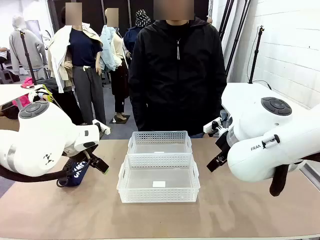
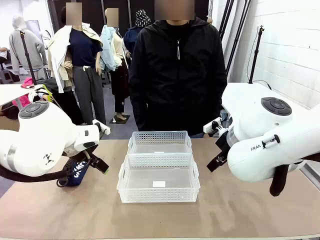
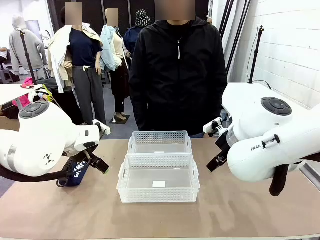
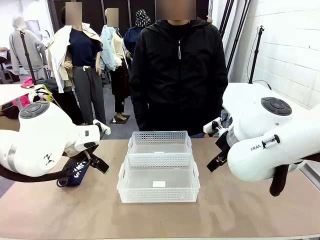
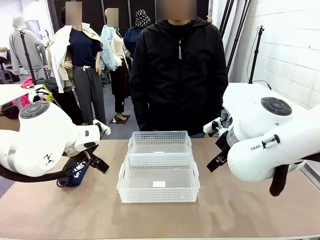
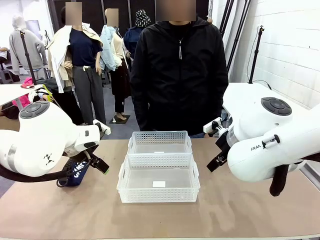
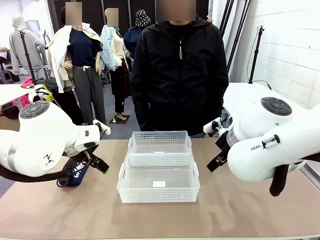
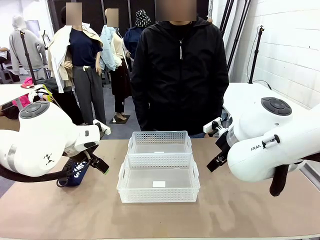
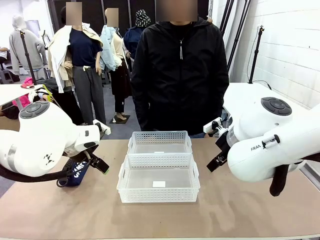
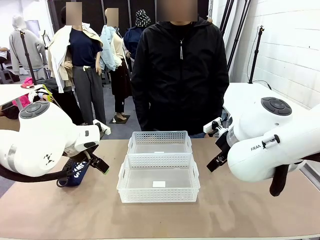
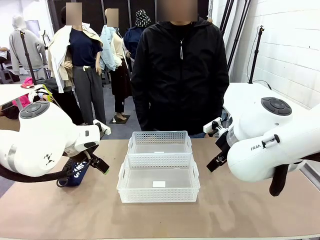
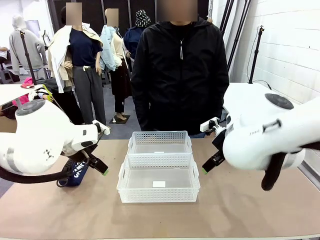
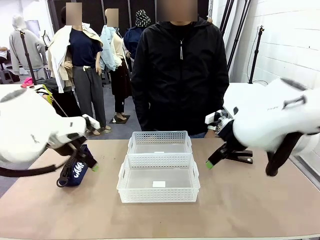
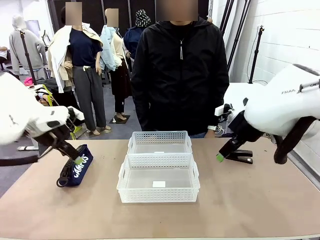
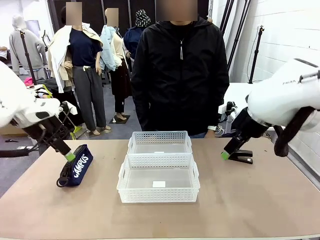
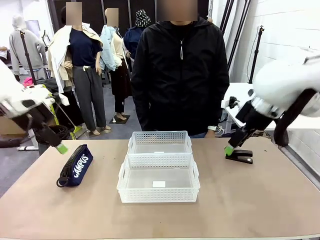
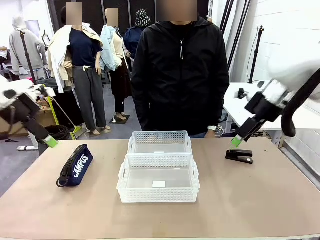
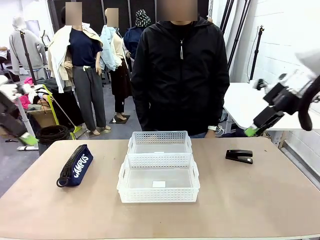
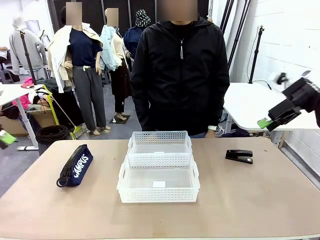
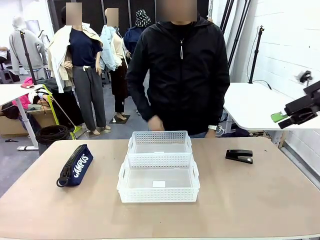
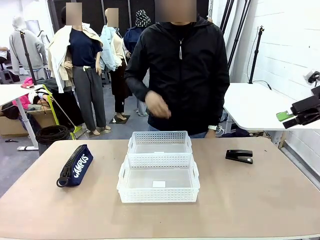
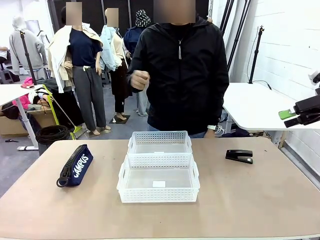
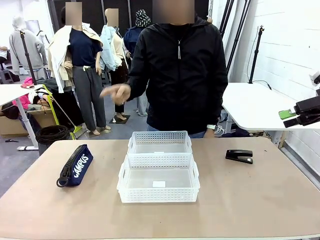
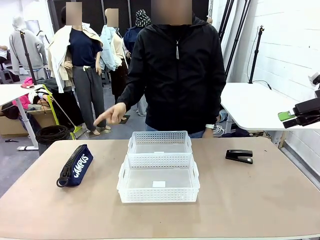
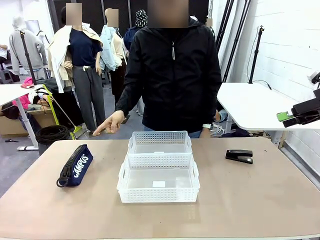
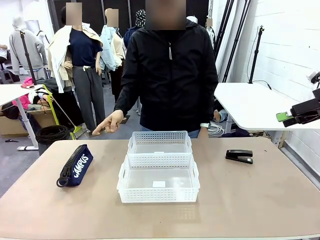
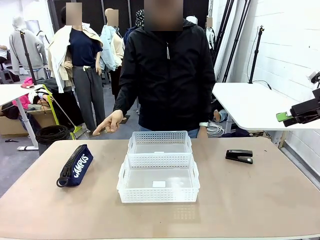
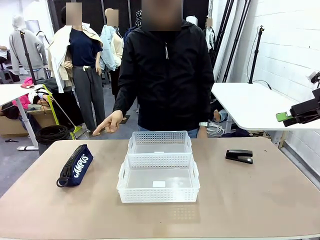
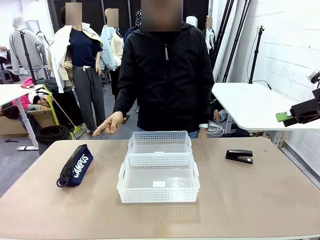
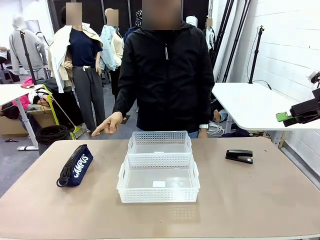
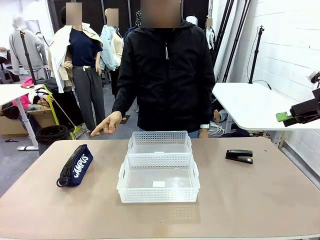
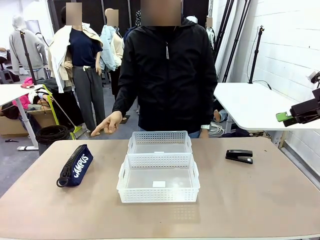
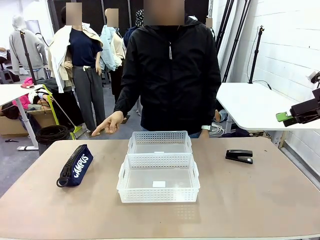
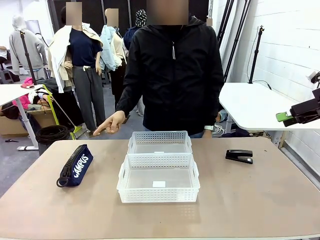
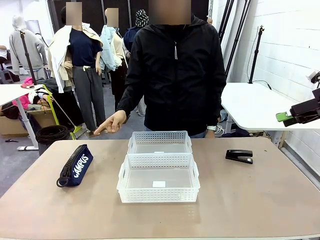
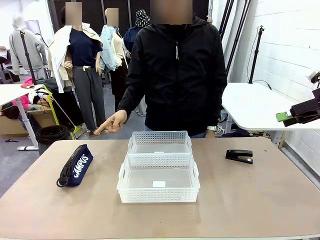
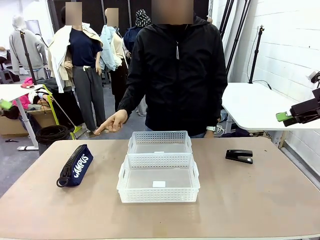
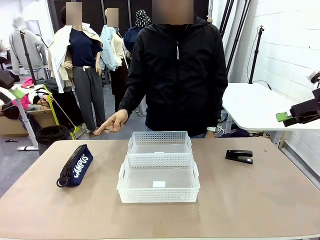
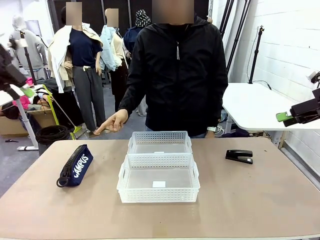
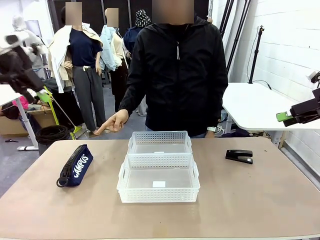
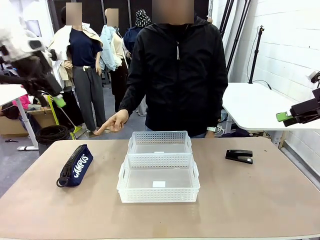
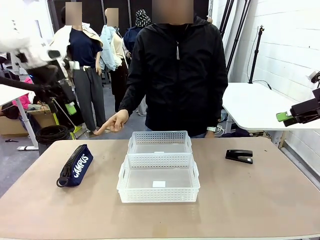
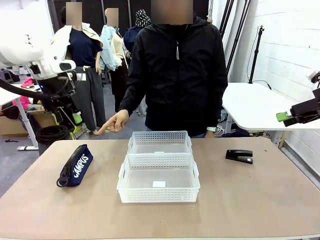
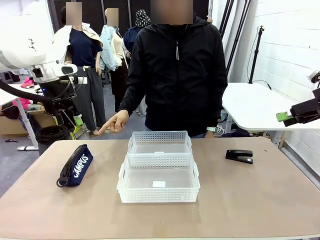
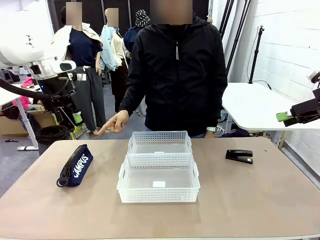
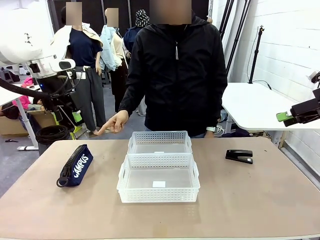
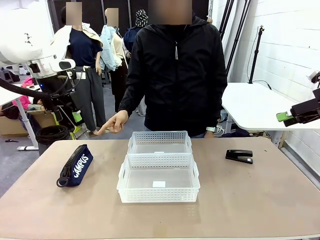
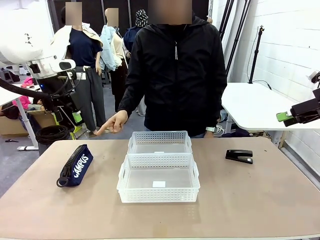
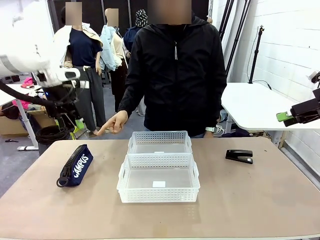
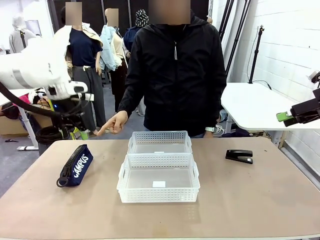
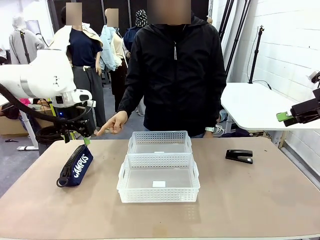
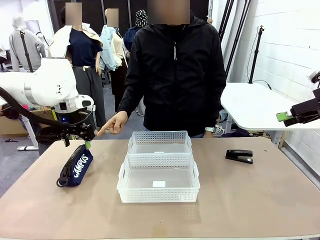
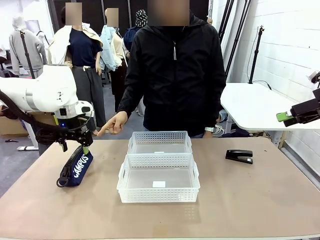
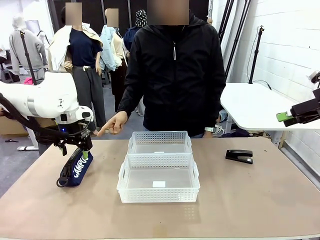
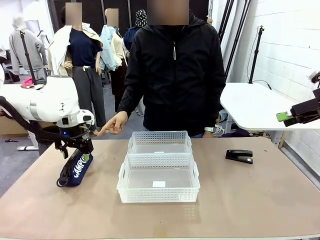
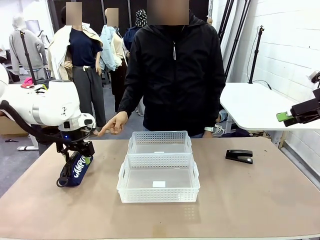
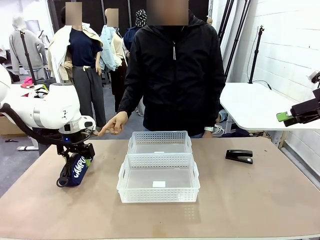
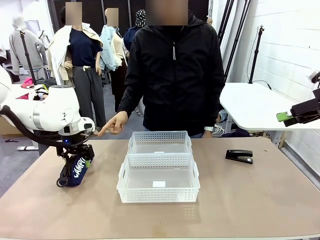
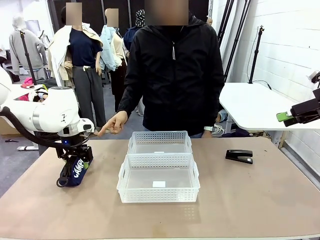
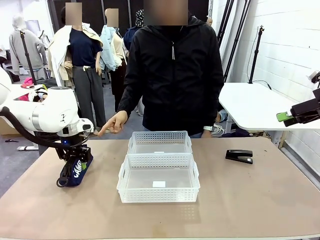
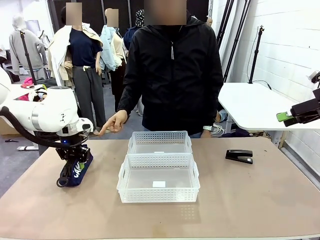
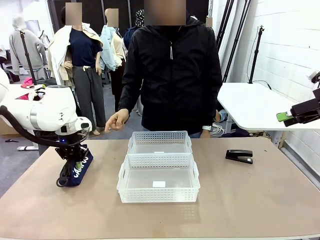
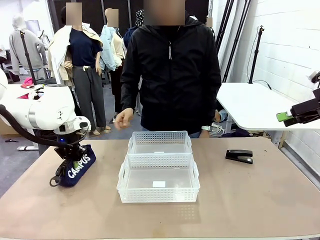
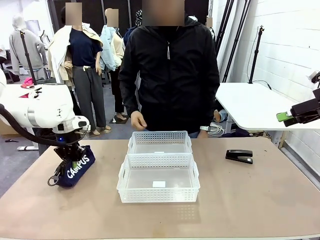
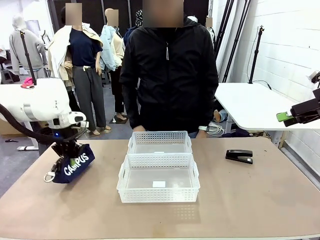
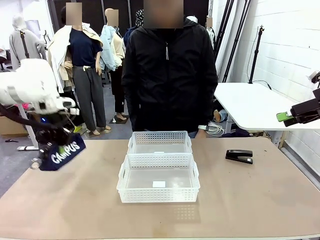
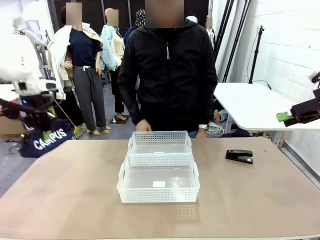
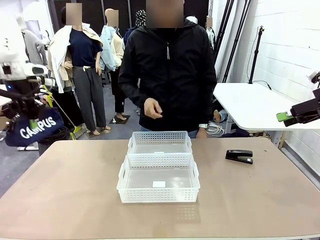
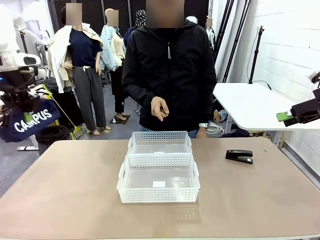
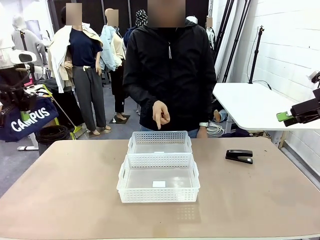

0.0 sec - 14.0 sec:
Task: Distribute items into two baskets.
Robot: Pick up the Pencil pouch that the person points to.
Person: Points to the pencil case. Points between the two organizing baskets and instructs the robot to move the pencil case.

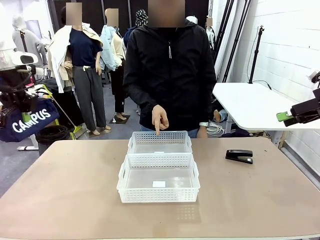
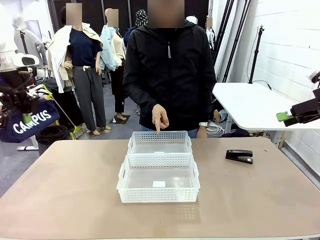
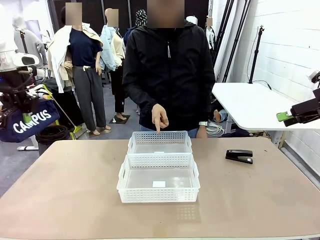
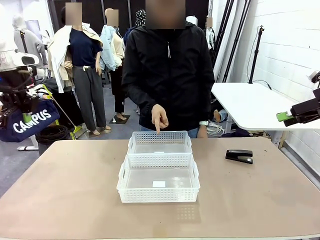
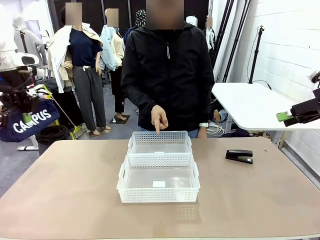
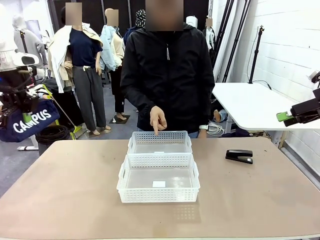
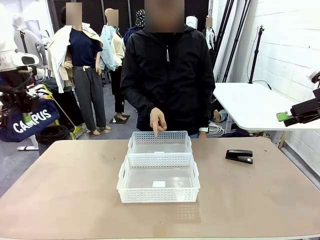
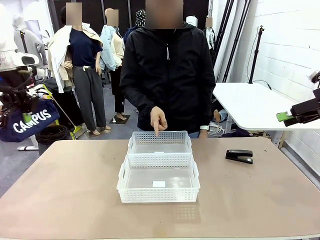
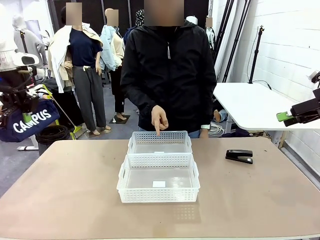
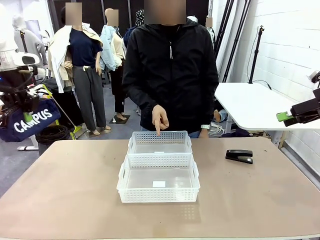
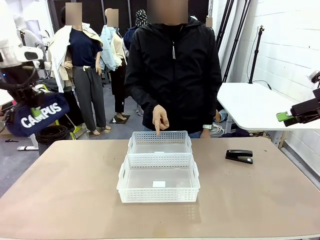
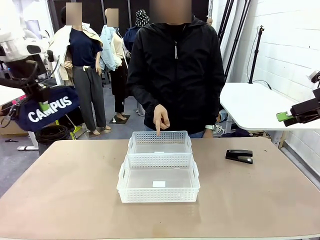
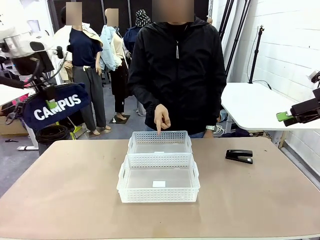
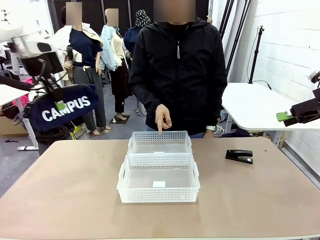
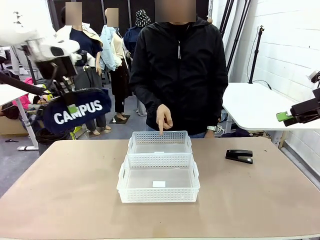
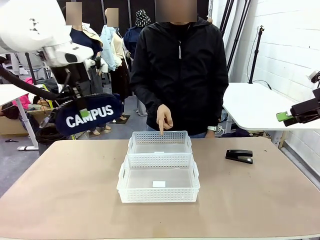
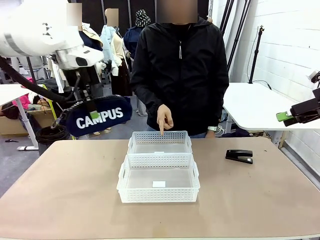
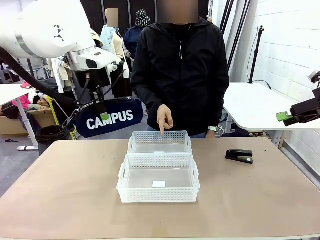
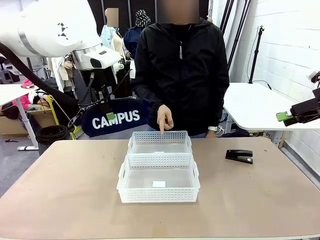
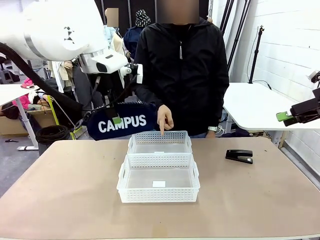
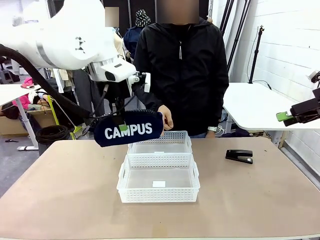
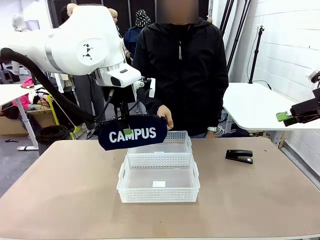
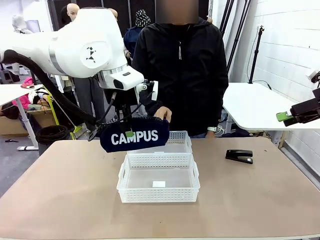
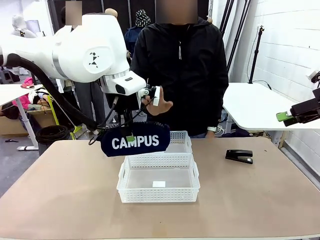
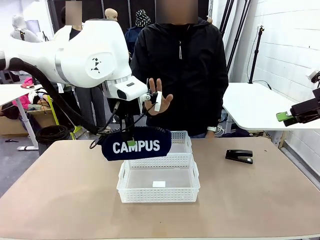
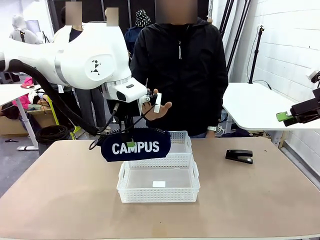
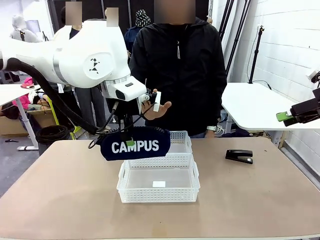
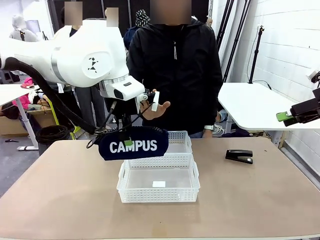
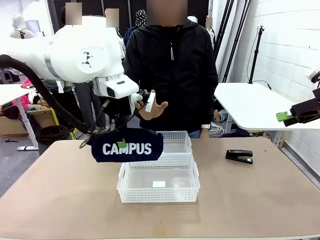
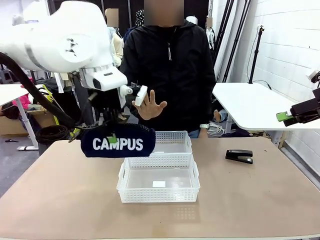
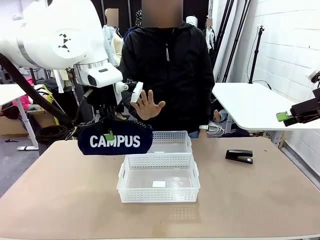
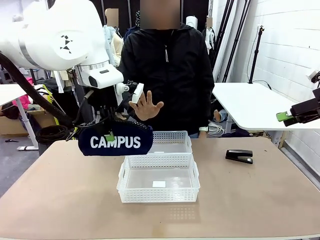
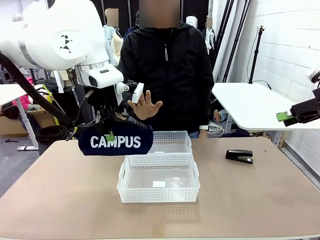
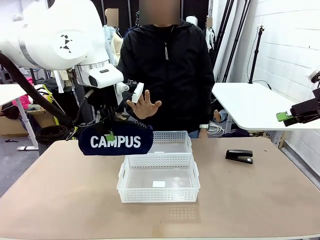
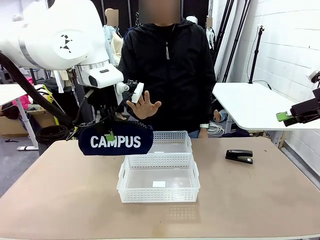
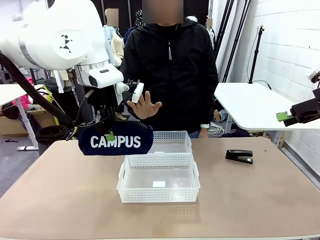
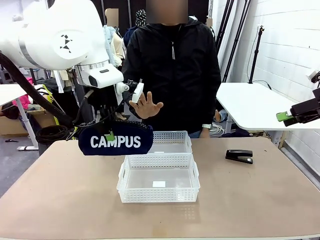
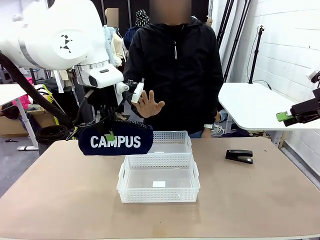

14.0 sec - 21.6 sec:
Robot: Move the picked Pencil pouch towards the Organizing basket indicated by the person, stopping as directed.
Person: Sends a stop gesture before the robot places the pencil case into the basket.
